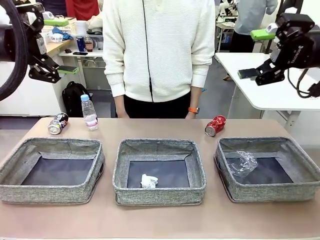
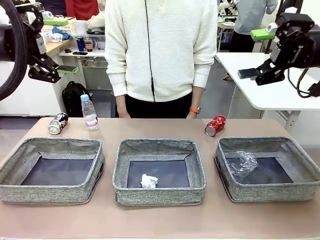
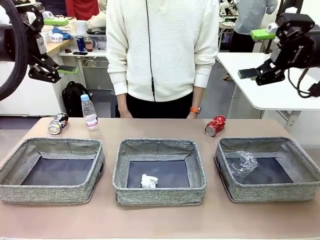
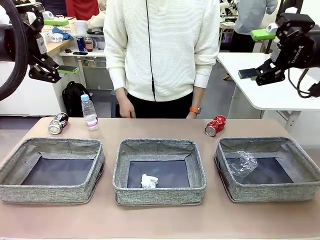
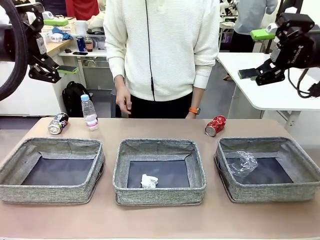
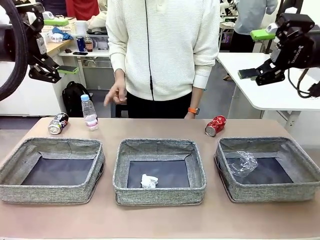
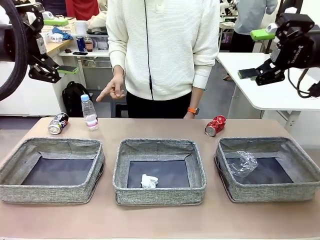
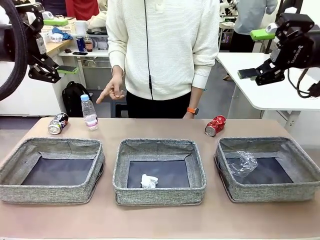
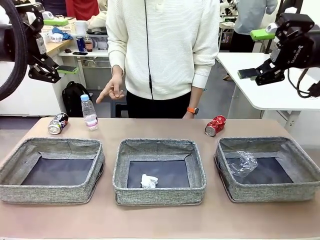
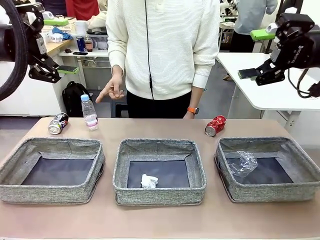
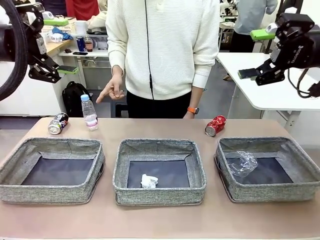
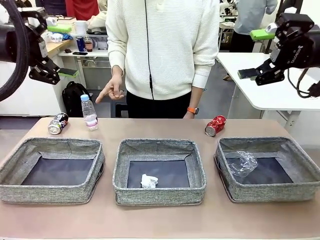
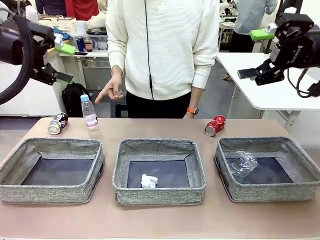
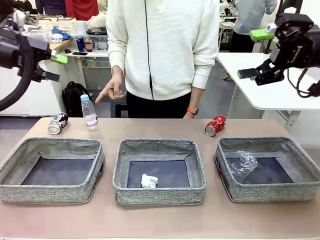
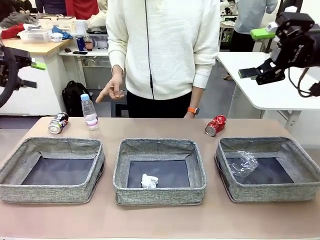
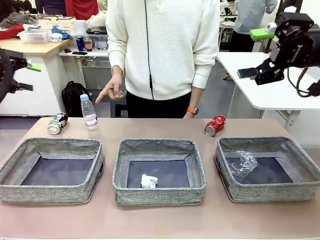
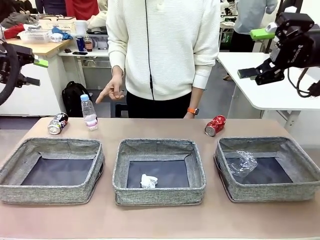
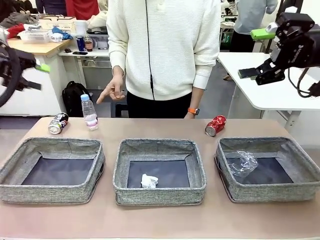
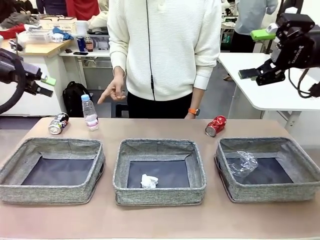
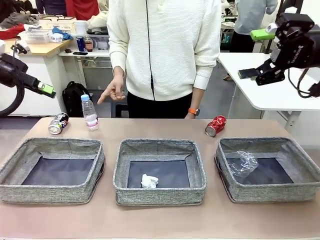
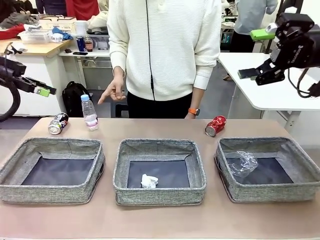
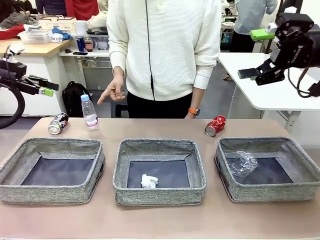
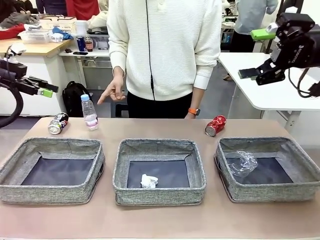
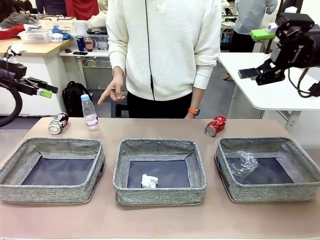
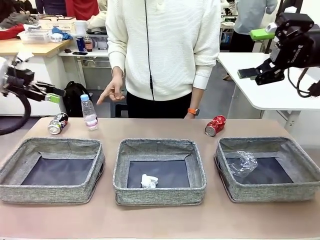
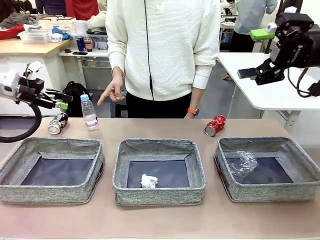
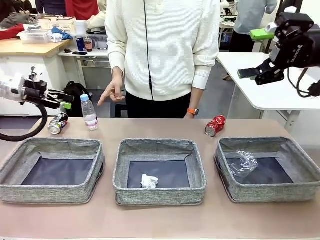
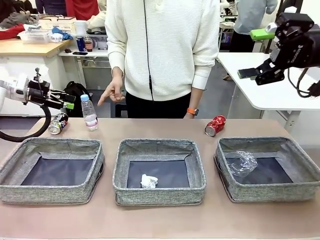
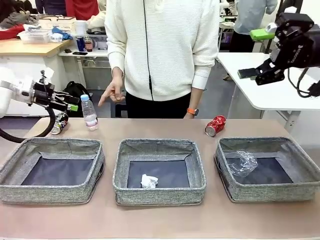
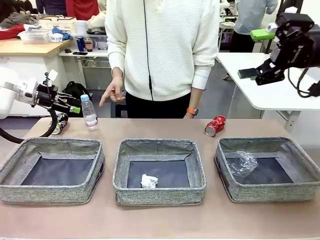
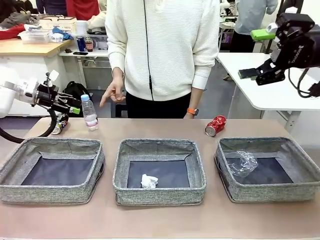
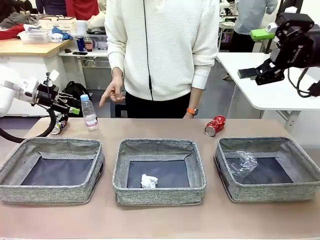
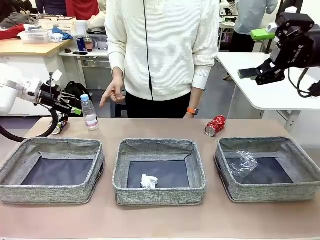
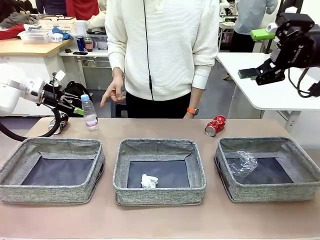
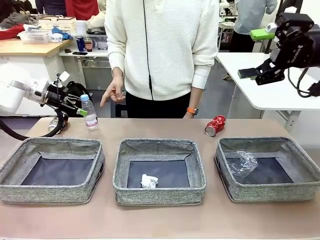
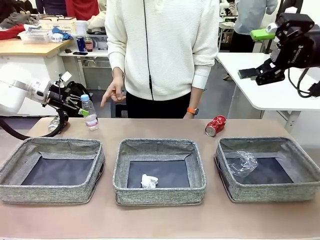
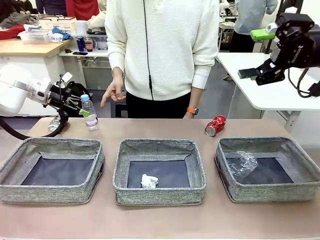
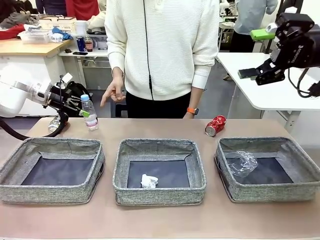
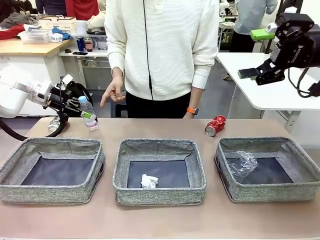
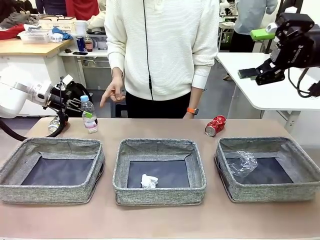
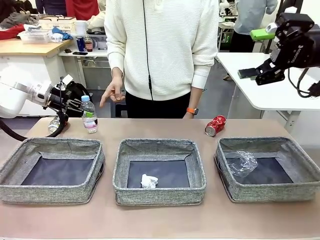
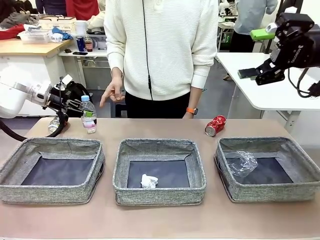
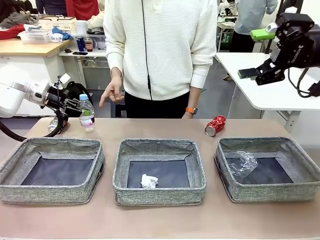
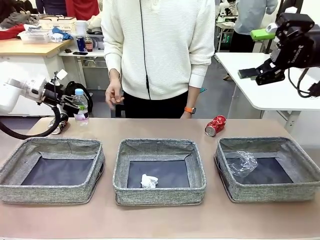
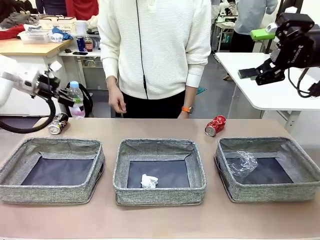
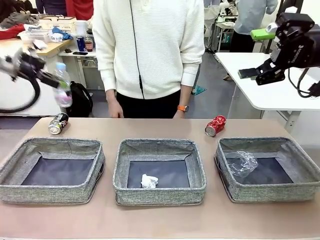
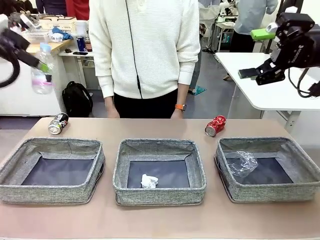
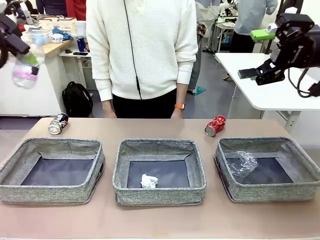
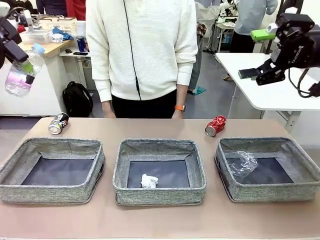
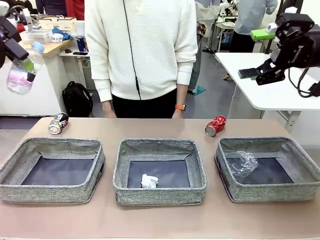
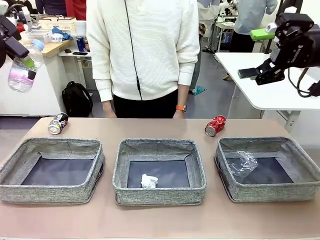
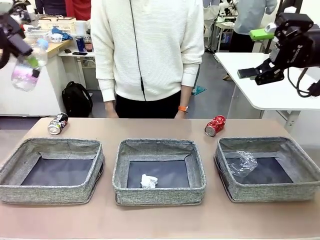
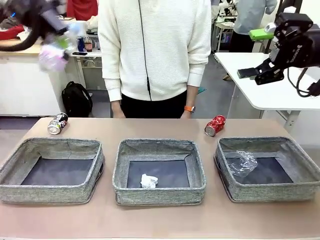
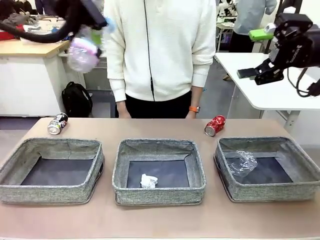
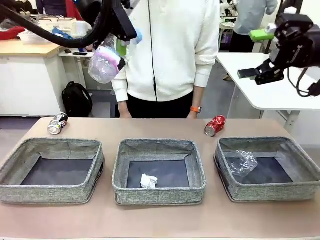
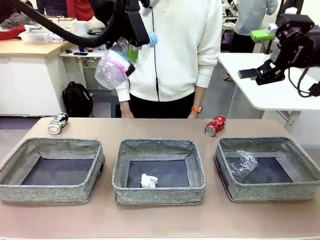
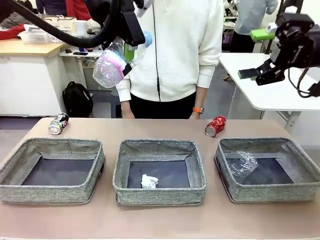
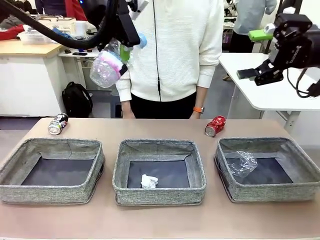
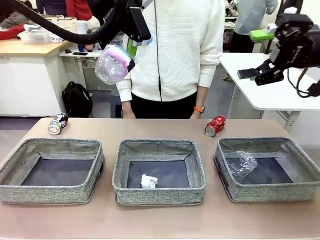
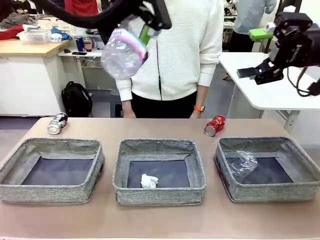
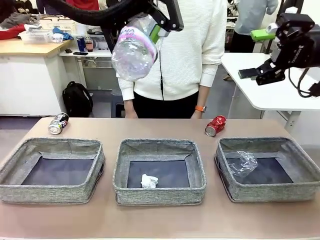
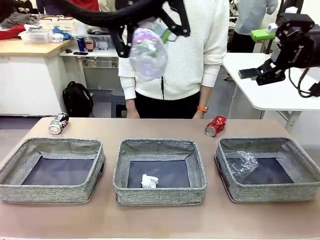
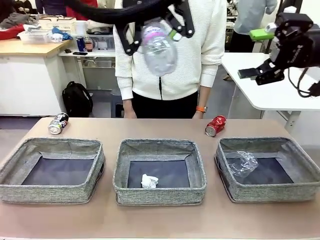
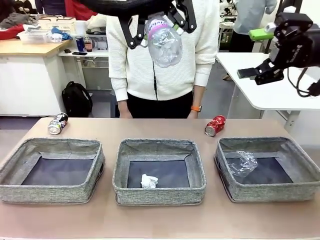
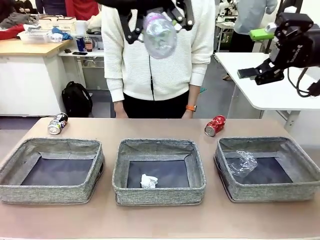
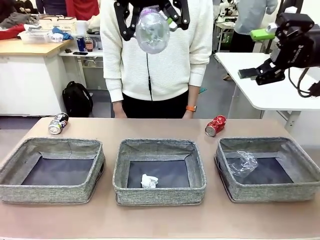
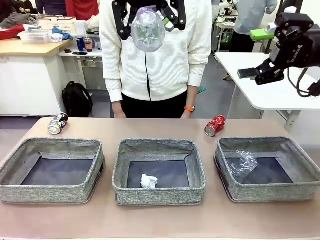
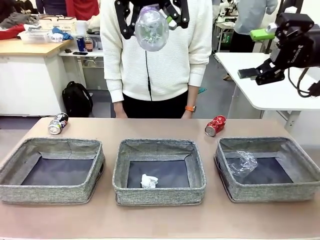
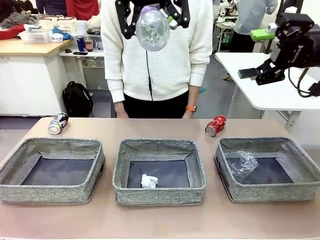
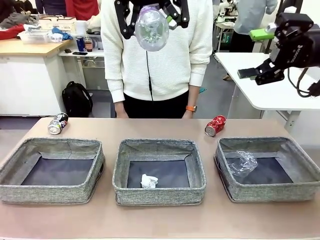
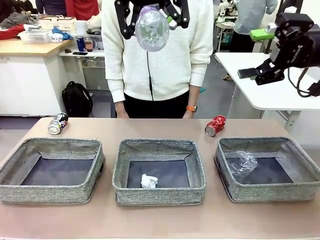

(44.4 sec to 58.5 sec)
Task: Sort the waste into the appropriate baskets.
Robot: Pick up the waste item pointed out by the person.
Person: Points to one piece of trash on the table.

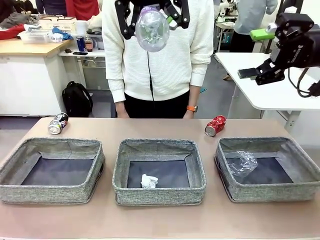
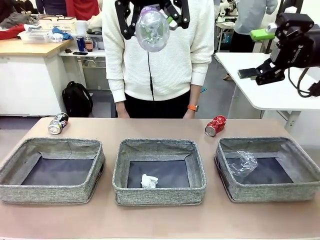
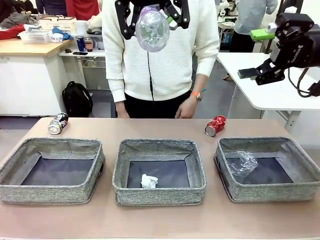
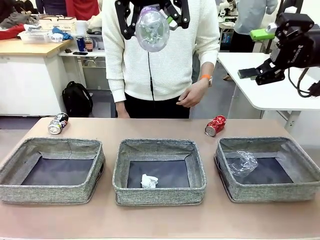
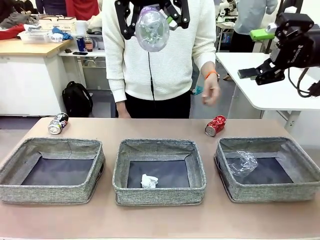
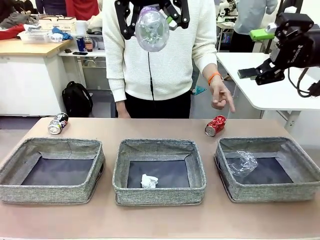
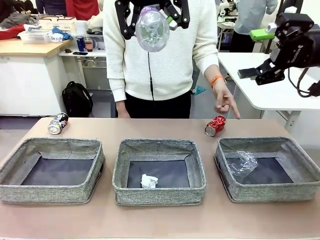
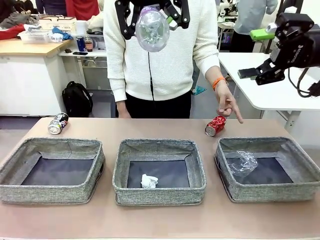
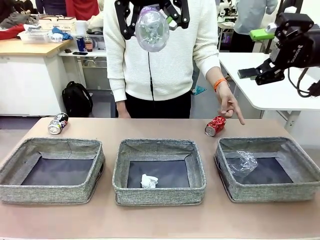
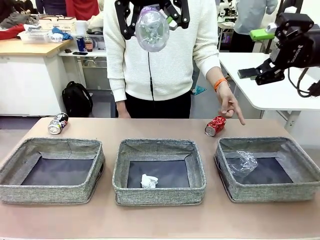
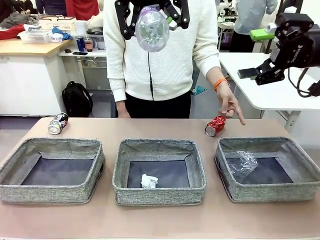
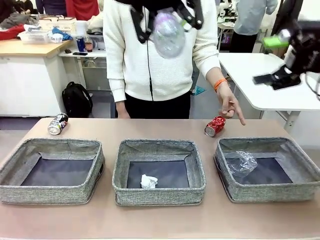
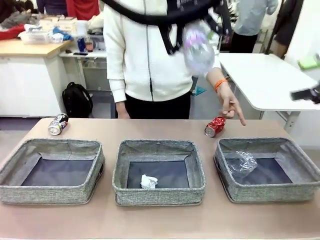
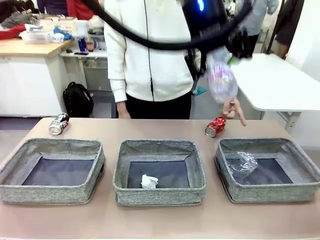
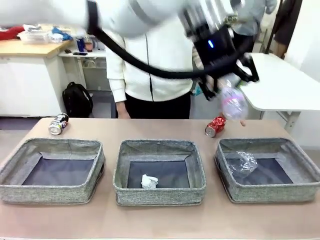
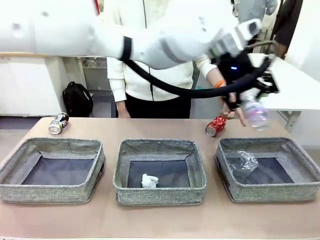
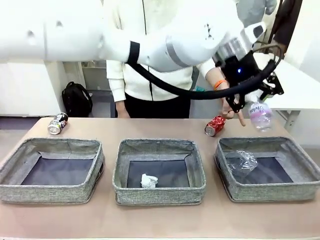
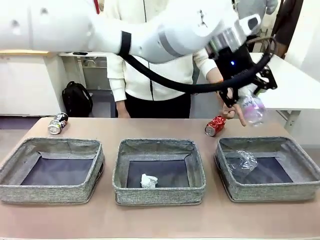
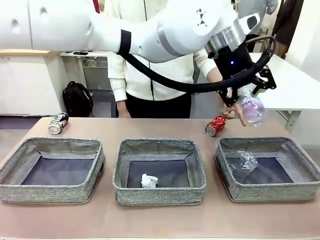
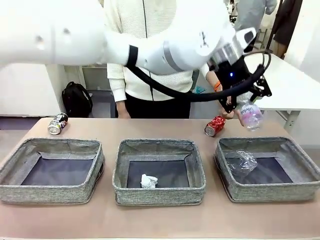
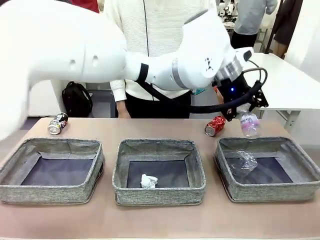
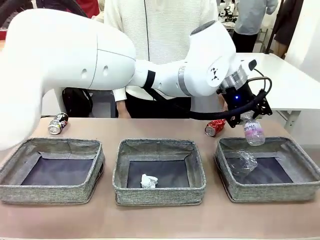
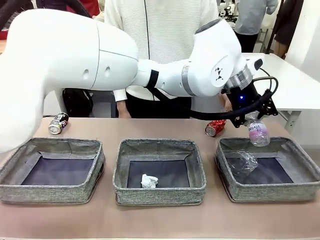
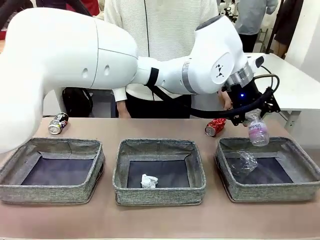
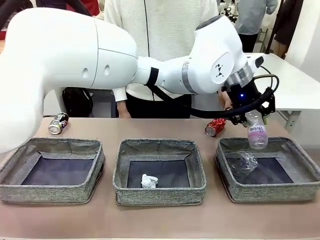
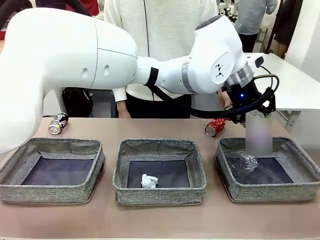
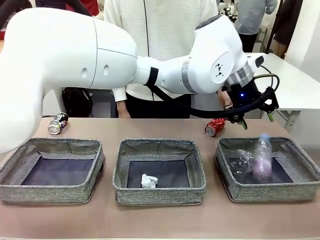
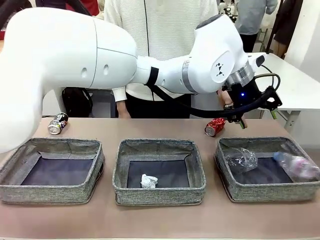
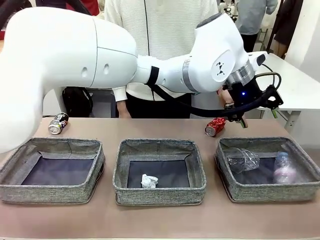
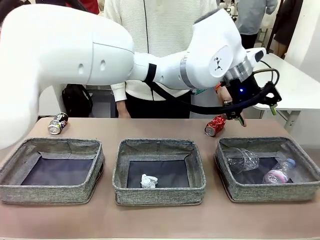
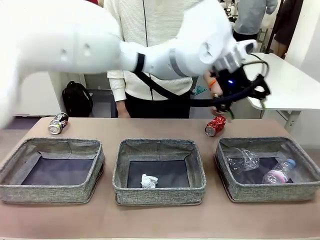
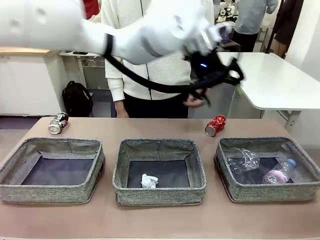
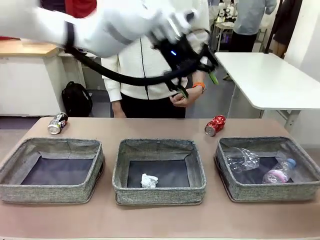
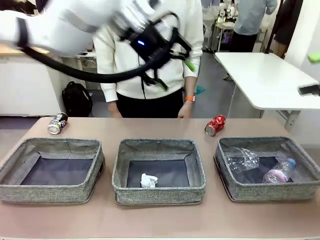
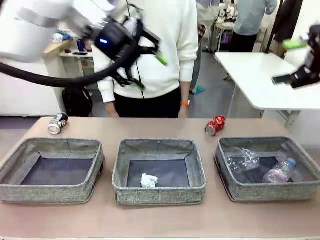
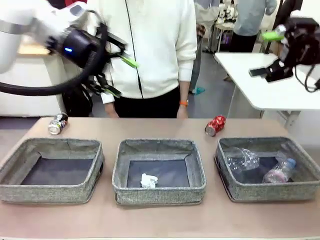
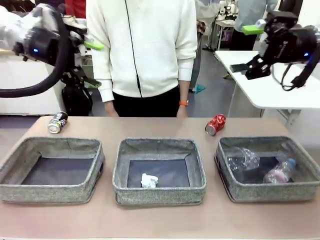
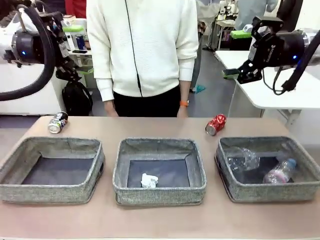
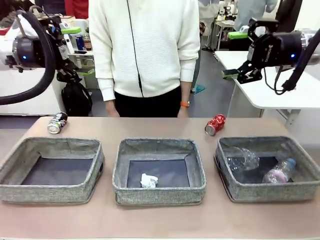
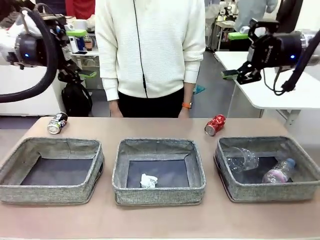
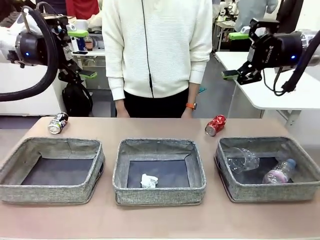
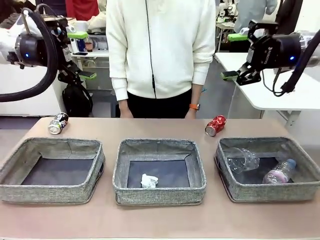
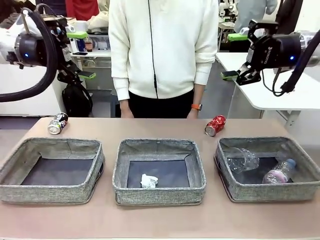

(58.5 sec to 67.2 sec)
Robot: Place the picked waste into the Fabric basket indicated by the person.
Person: Instructs the robot to place the picked-up trash into the appropriate organizing basket.
